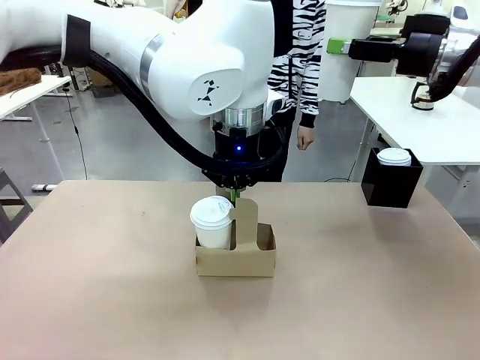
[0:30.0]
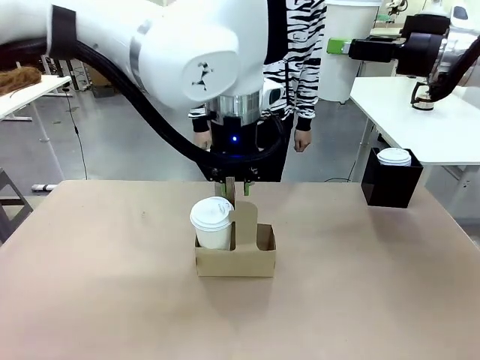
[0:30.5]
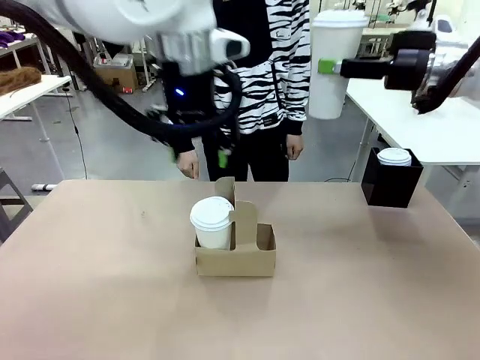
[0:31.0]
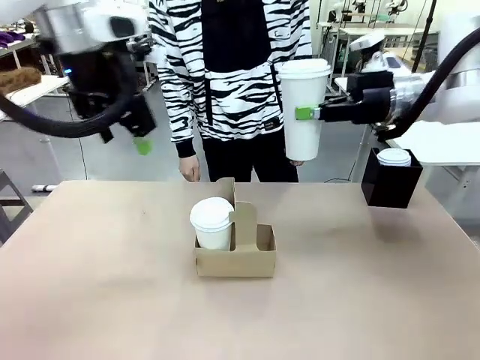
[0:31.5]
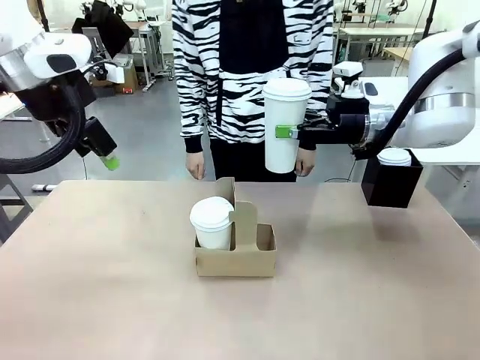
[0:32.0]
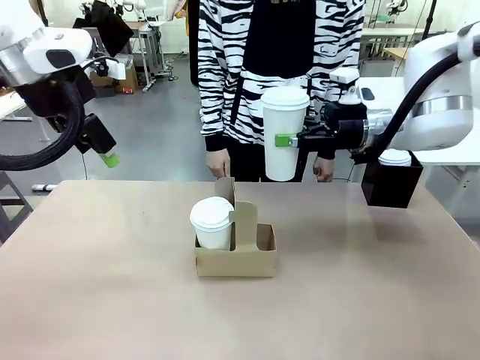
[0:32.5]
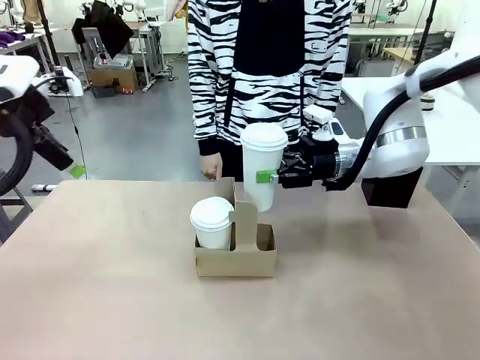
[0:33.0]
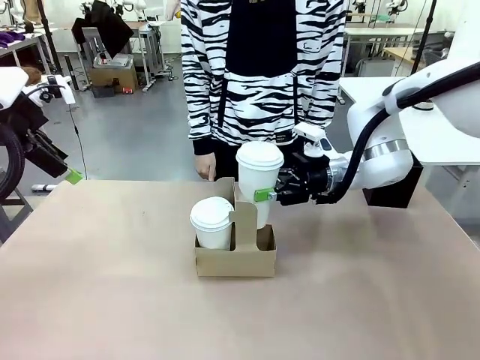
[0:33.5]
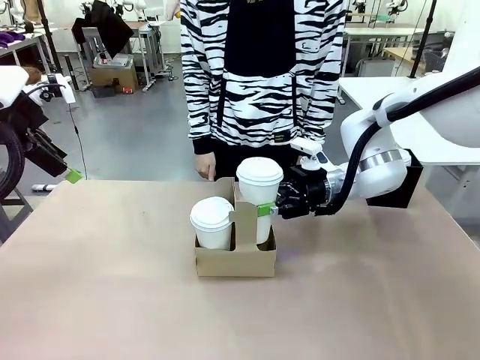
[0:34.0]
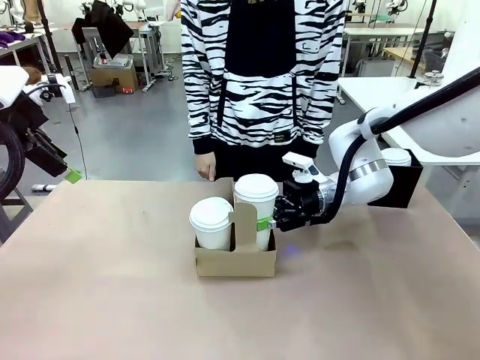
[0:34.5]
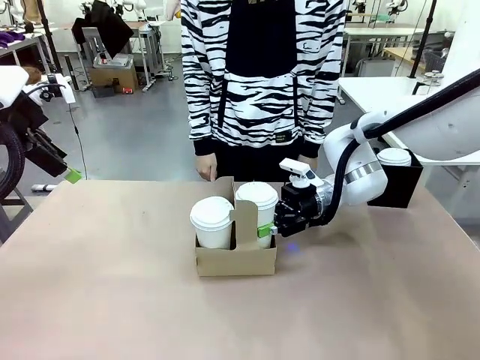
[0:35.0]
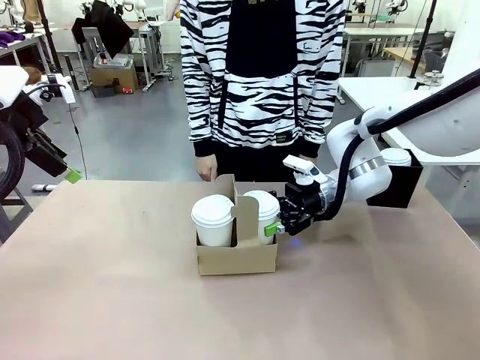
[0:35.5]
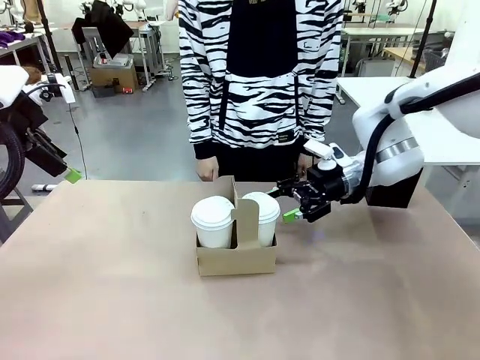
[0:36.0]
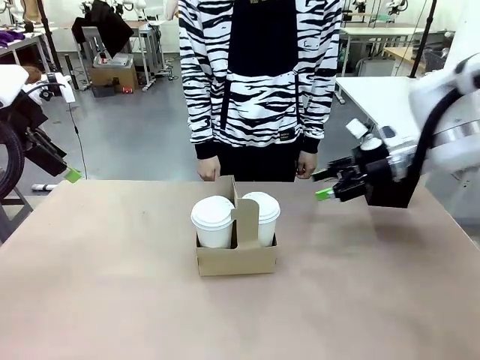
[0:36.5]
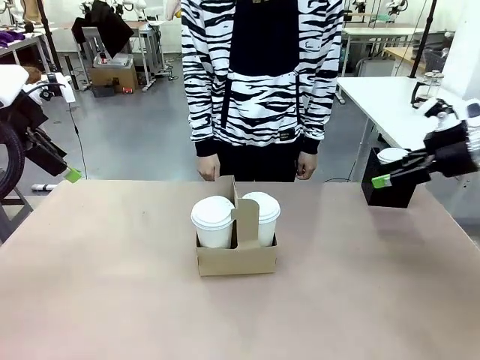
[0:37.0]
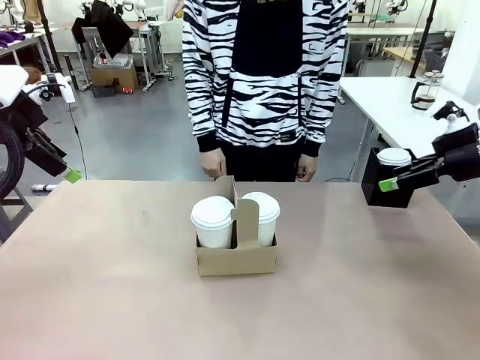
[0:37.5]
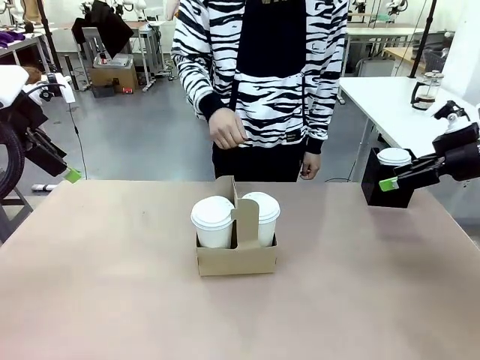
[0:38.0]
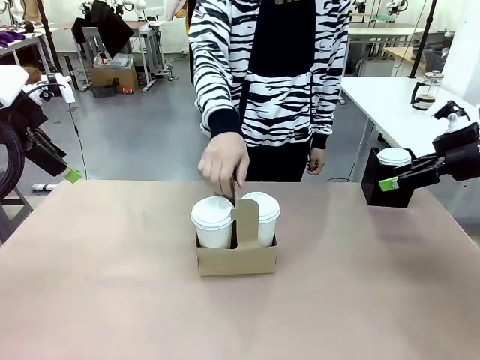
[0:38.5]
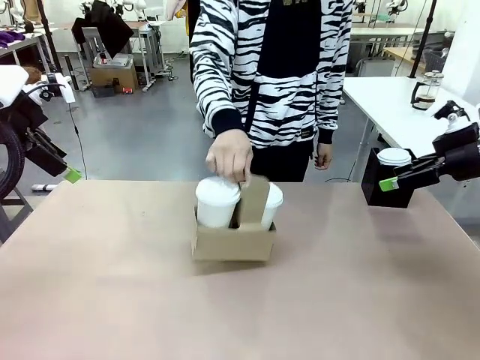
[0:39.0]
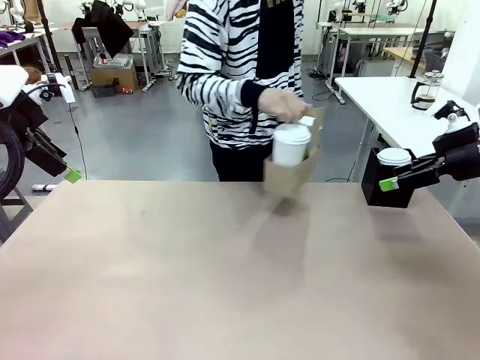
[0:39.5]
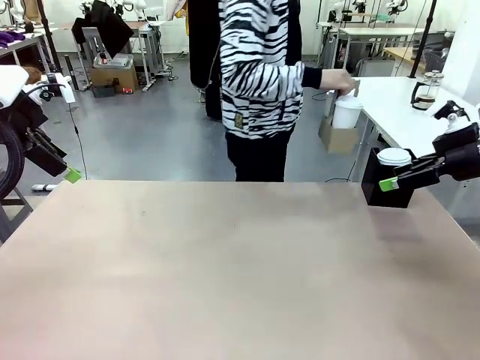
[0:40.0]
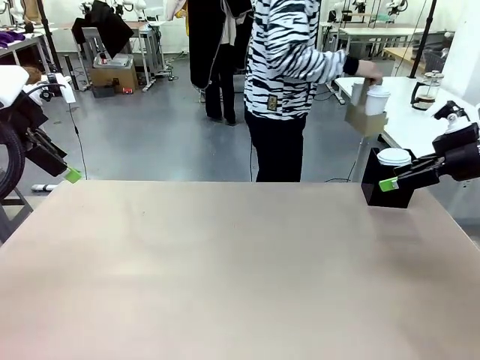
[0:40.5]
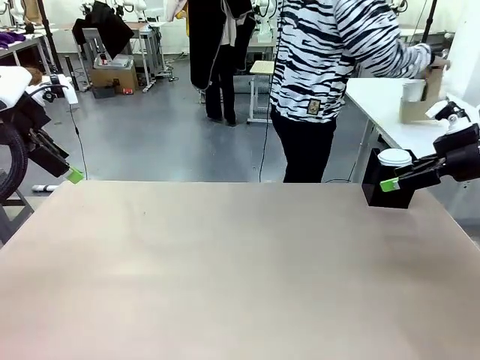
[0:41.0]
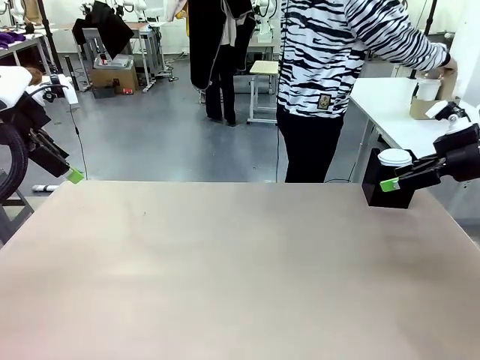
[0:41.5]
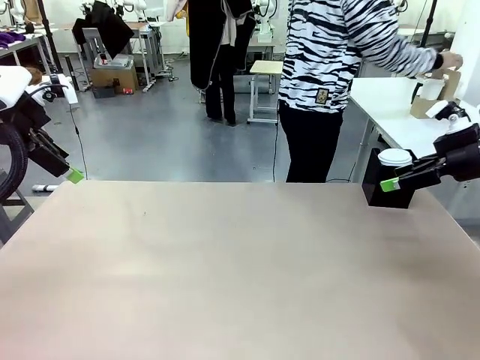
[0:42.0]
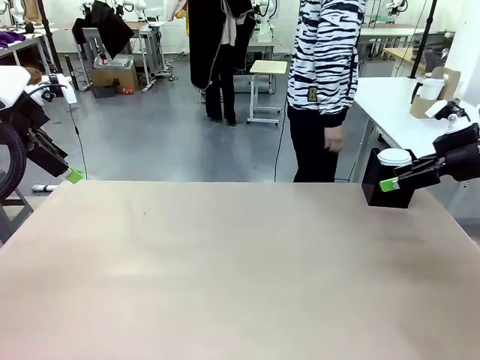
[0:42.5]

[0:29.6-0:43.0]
Task: Pour a drink into a cup and package it in a carrier.
Robot: Insert the held 600 ml Paper Cup into the Cup Carrier.
Person: Place the Cup Carrier to the middle of Human table.

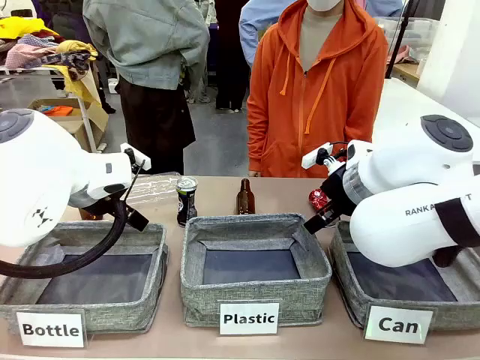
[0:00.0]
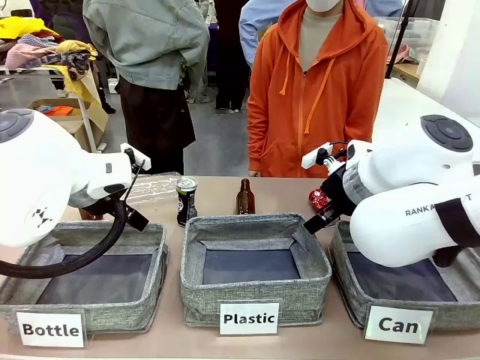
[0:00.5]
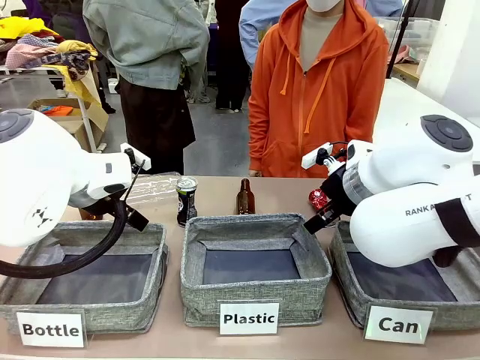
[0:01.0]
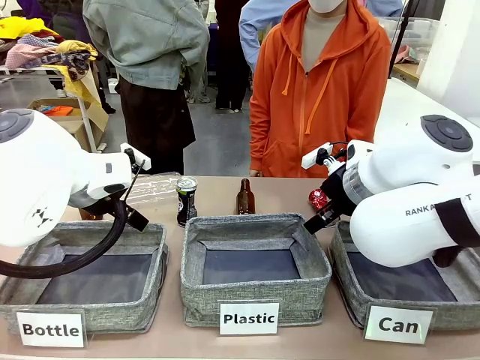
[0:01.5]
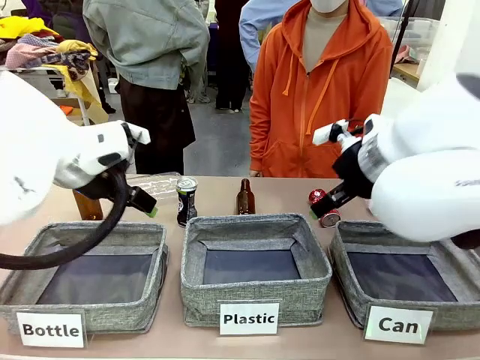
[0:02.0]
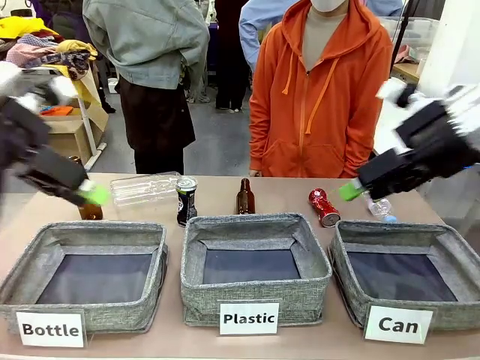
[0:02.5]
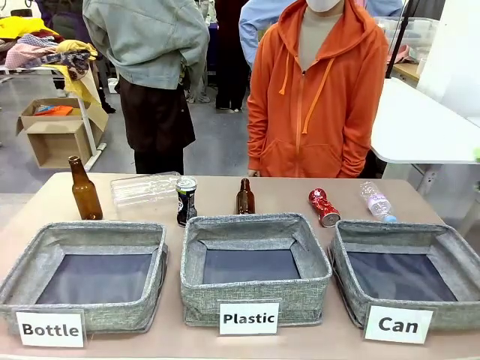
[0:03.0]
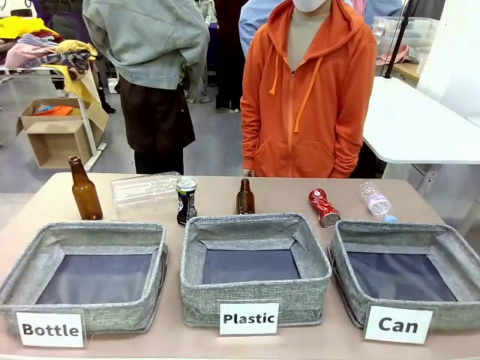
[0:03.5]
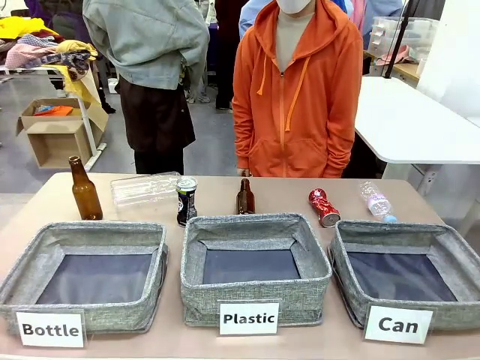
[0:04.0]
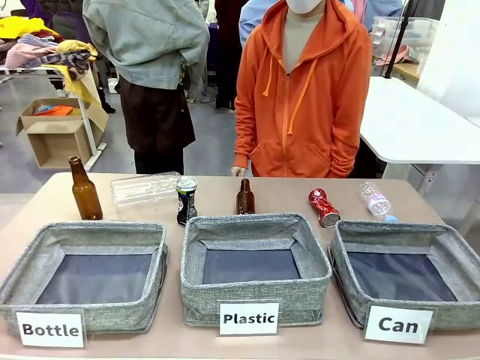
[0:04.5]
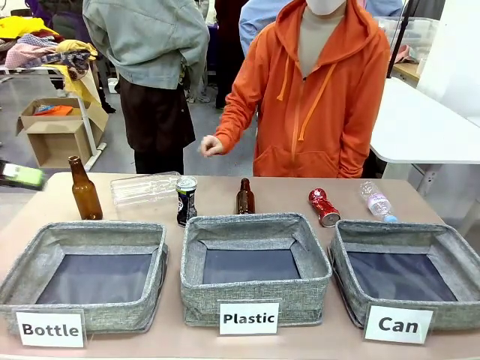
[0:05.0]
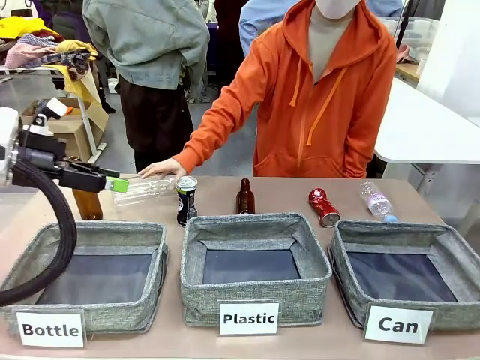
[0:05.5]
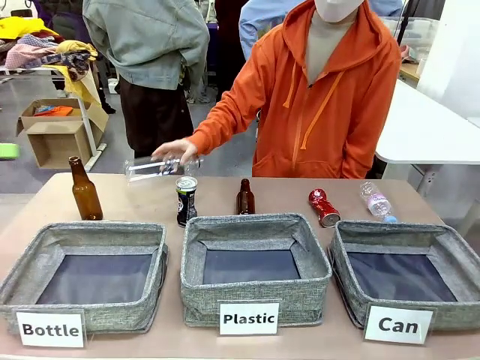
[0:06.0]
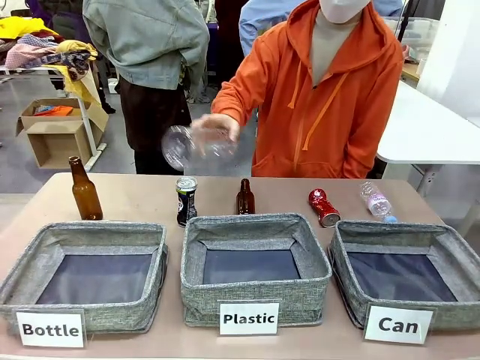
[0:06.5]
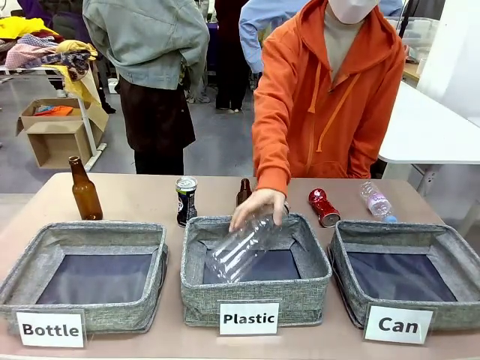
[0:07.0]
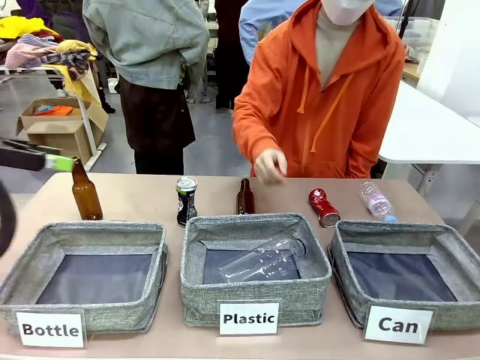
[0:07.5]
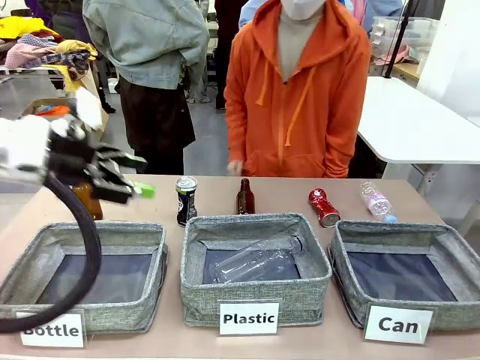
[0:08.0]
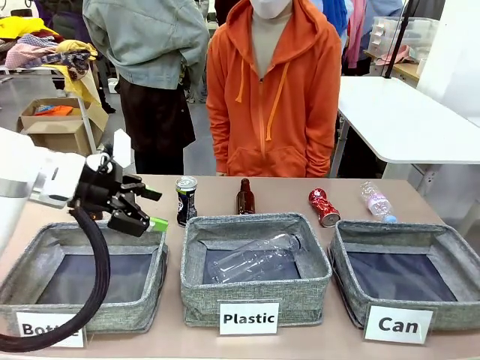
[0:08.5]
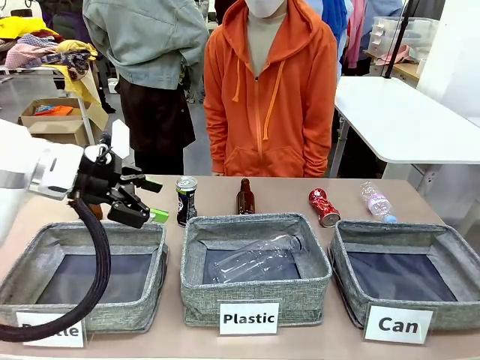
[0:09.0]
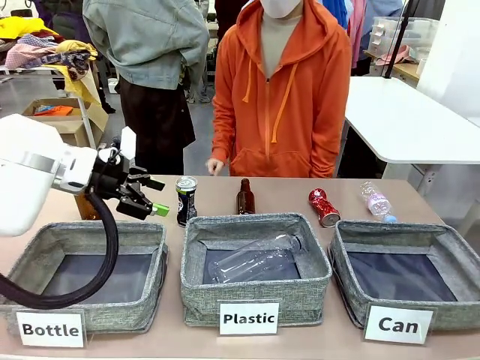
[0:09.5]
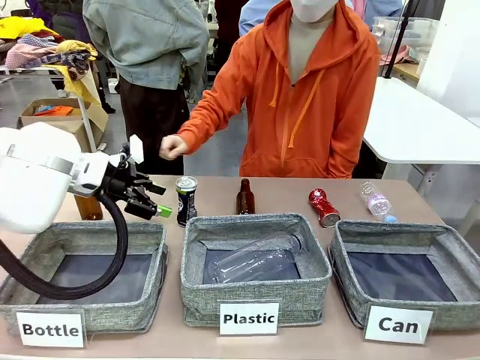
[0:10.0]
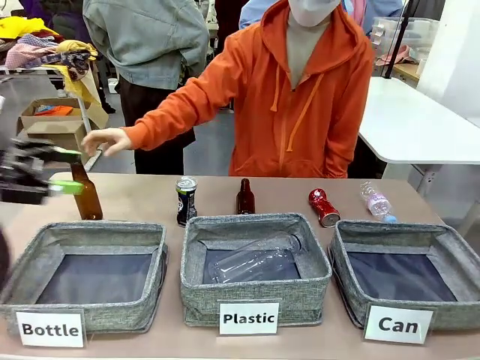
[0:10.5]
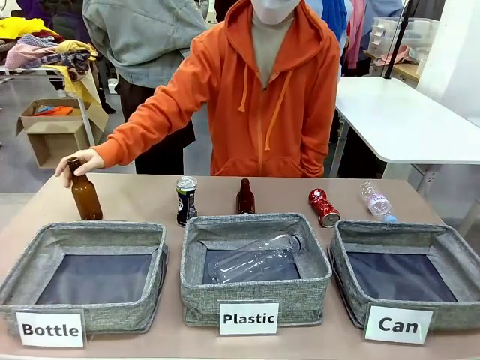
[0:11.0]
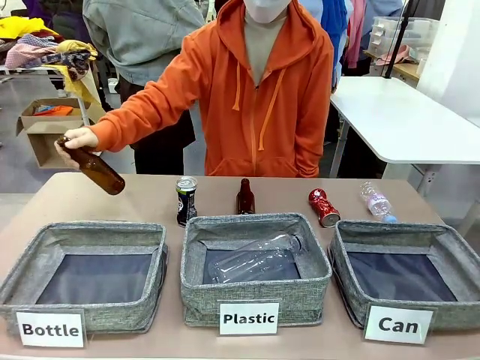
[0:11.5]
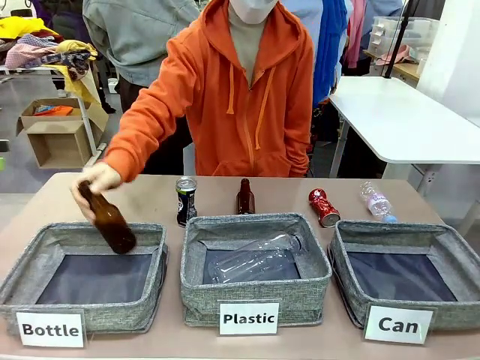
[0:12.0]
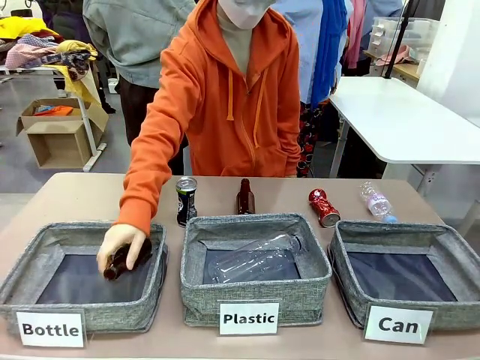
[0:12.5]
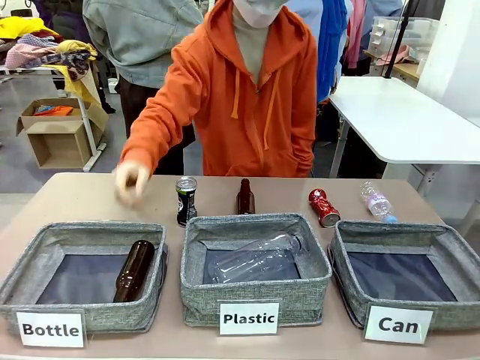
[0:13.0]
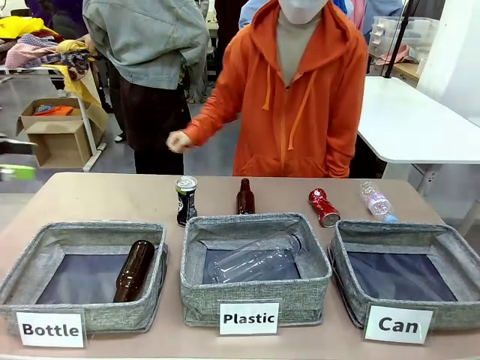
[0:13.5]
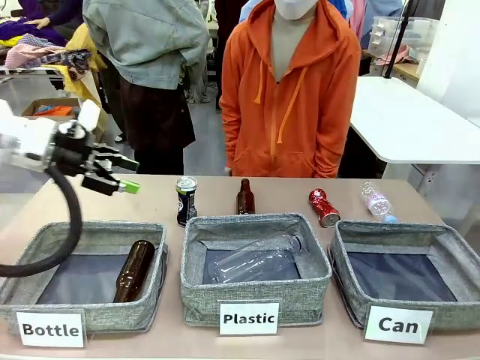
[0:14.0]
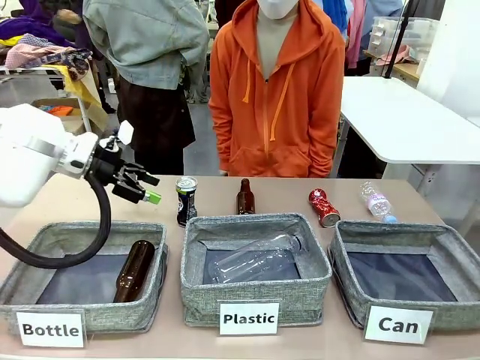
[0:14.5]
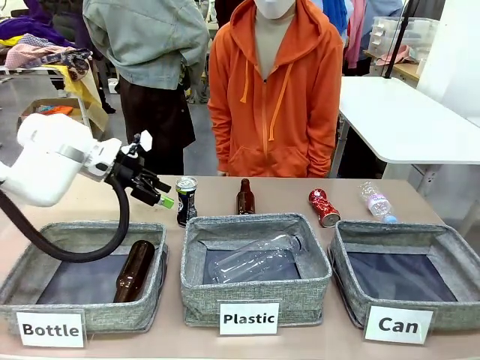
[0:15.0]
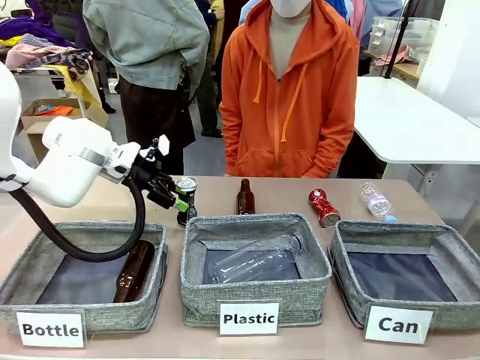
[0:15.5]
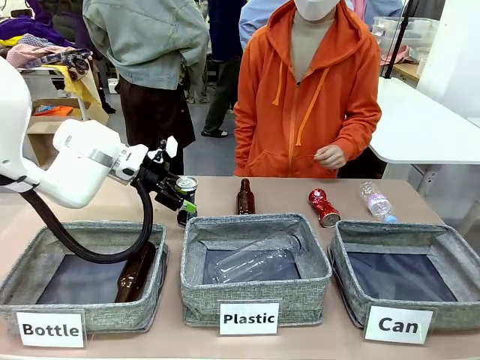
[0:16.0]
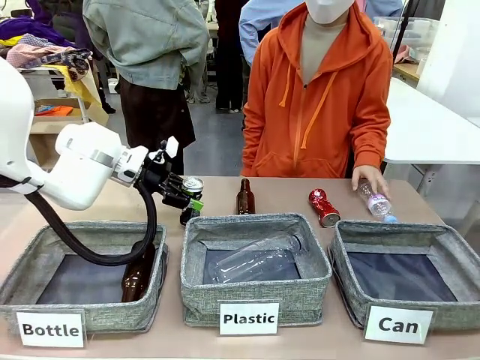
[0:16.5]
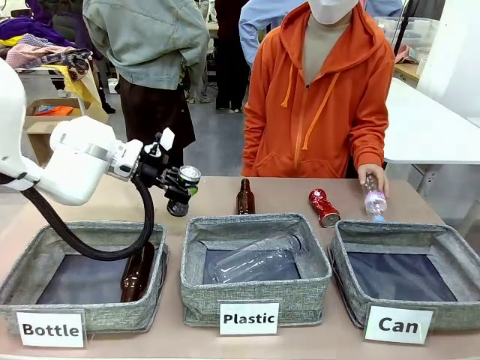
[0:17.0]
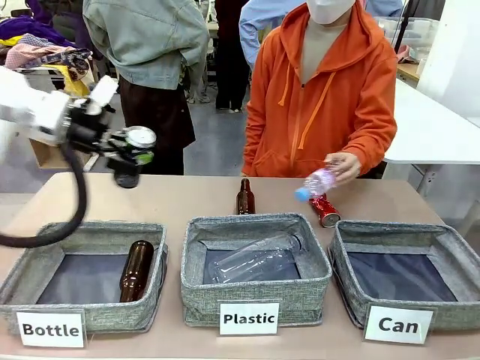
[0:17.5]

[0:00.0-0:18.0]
Task: Sort the can waste into the basket.
Robot: Pick up the can waste from the table and place it in the right Fabric basket.
